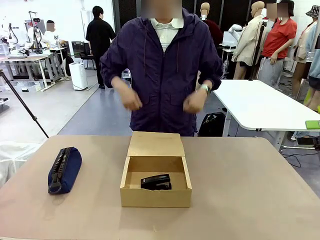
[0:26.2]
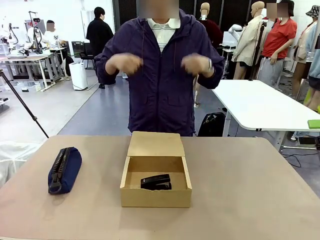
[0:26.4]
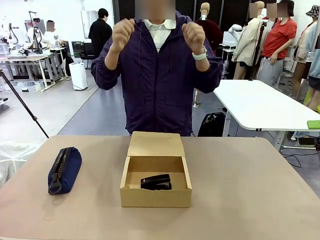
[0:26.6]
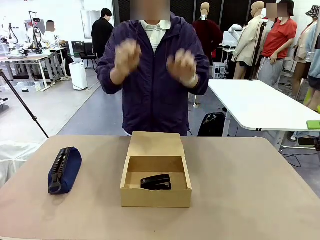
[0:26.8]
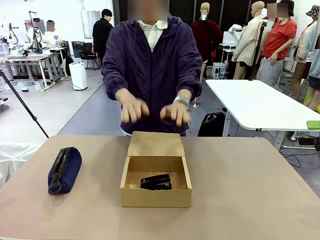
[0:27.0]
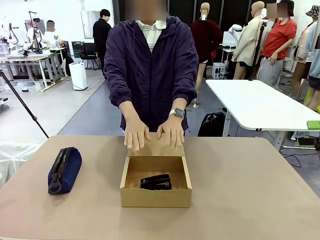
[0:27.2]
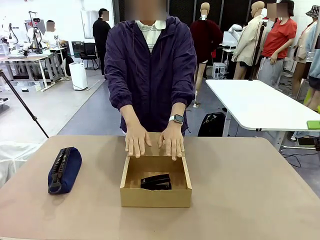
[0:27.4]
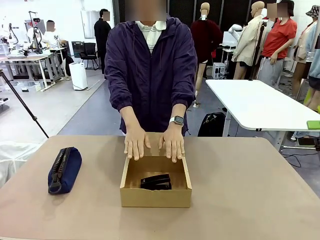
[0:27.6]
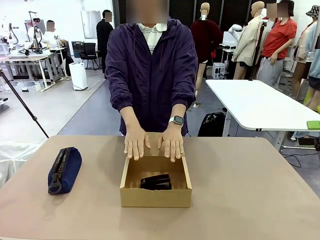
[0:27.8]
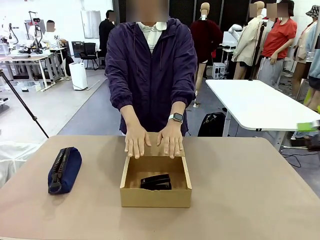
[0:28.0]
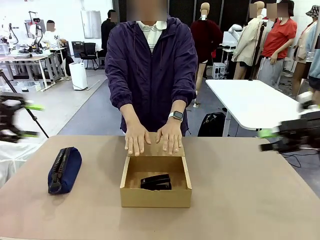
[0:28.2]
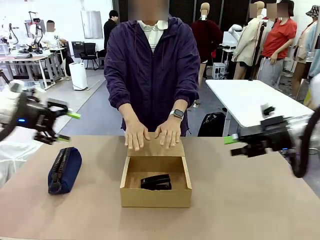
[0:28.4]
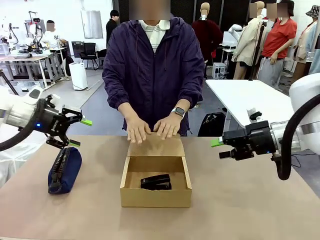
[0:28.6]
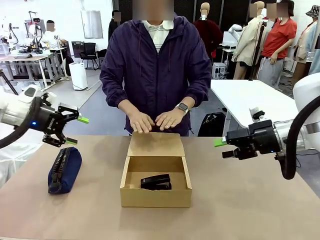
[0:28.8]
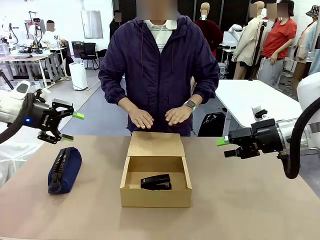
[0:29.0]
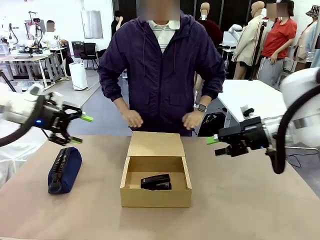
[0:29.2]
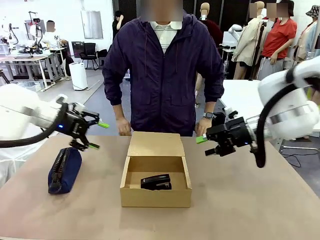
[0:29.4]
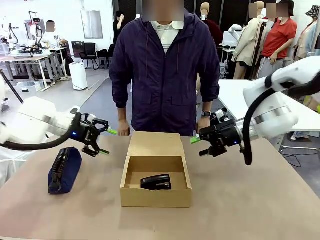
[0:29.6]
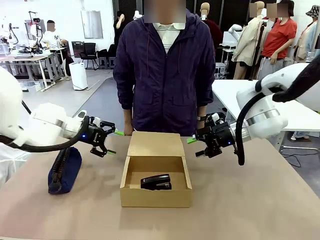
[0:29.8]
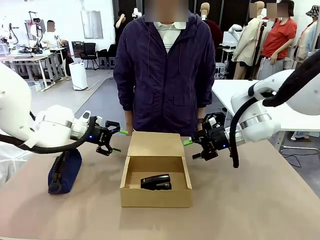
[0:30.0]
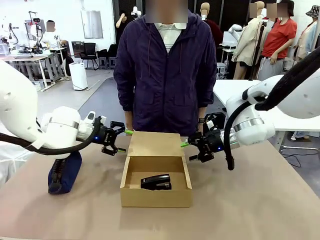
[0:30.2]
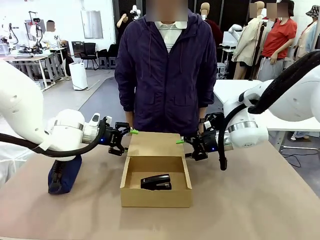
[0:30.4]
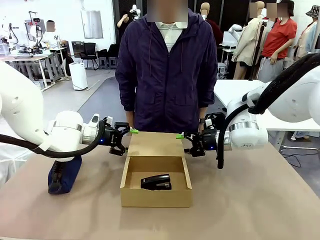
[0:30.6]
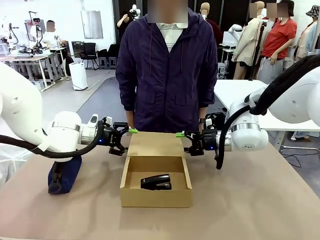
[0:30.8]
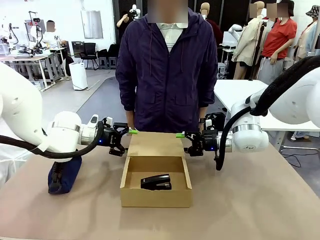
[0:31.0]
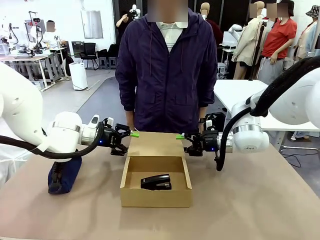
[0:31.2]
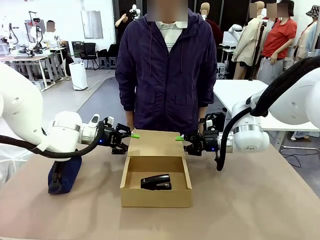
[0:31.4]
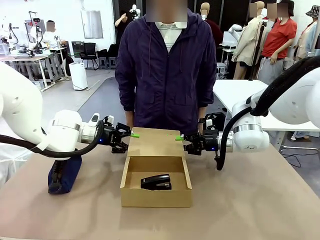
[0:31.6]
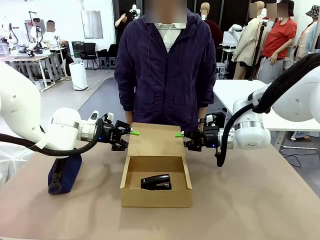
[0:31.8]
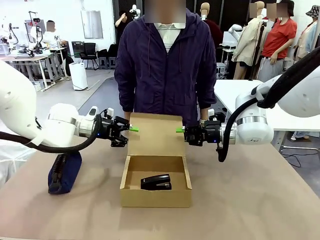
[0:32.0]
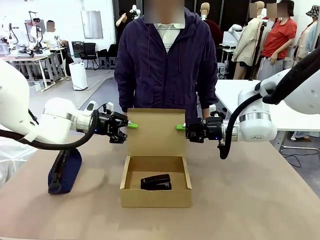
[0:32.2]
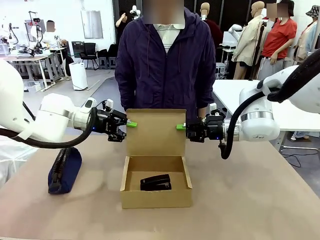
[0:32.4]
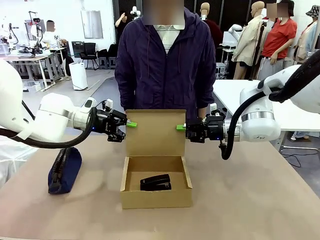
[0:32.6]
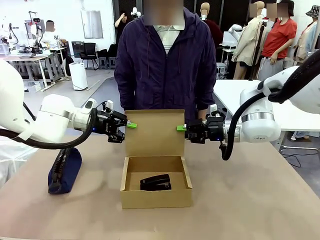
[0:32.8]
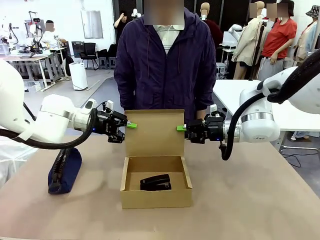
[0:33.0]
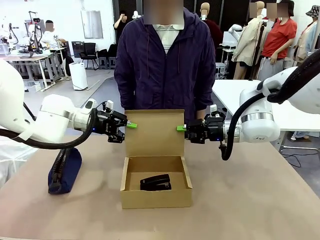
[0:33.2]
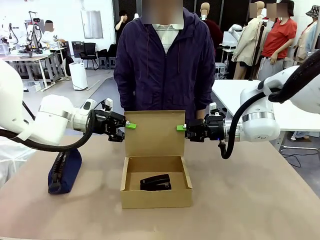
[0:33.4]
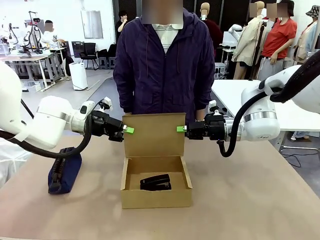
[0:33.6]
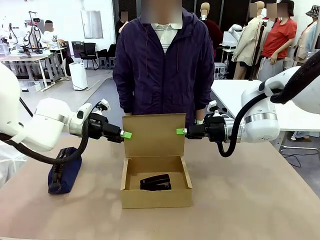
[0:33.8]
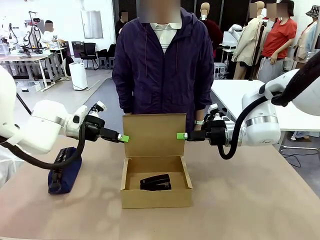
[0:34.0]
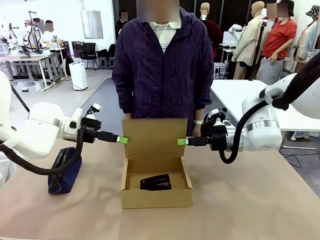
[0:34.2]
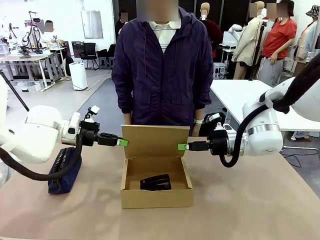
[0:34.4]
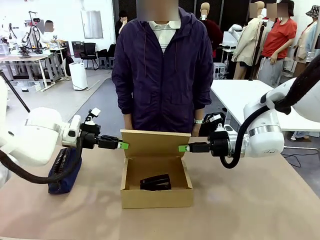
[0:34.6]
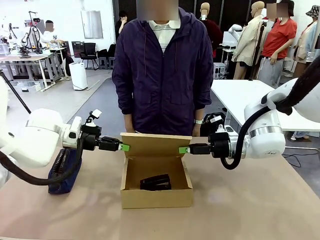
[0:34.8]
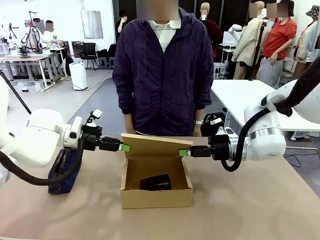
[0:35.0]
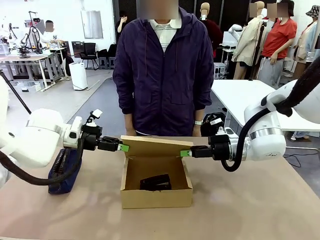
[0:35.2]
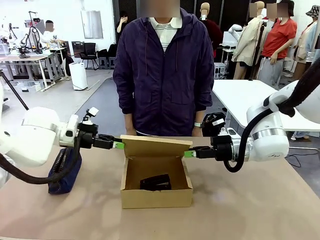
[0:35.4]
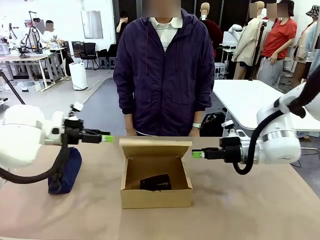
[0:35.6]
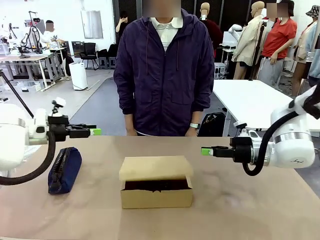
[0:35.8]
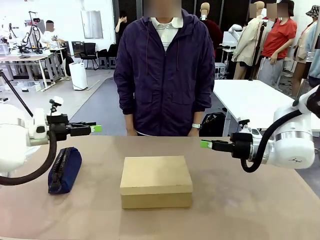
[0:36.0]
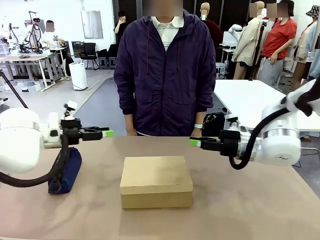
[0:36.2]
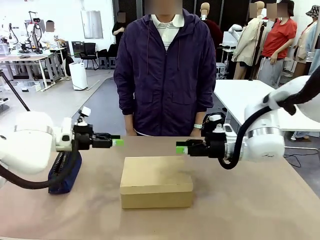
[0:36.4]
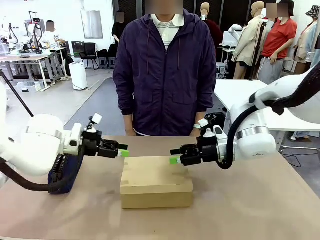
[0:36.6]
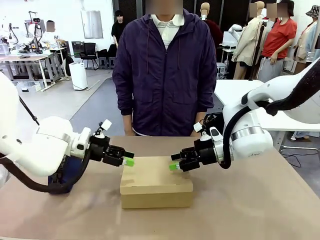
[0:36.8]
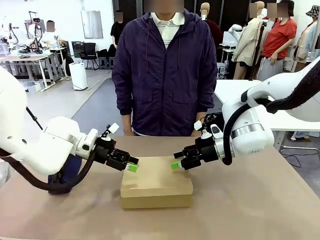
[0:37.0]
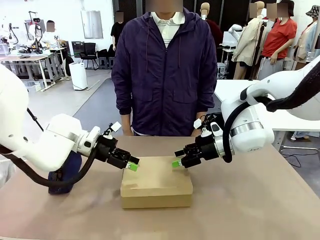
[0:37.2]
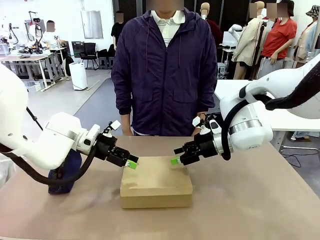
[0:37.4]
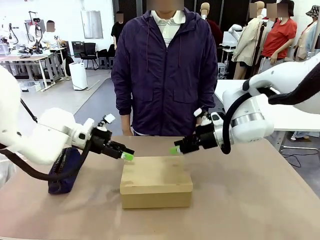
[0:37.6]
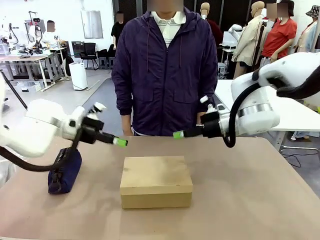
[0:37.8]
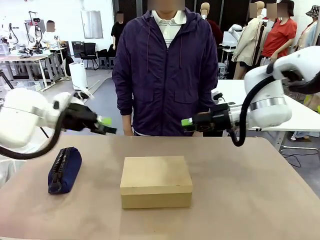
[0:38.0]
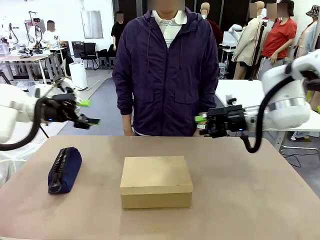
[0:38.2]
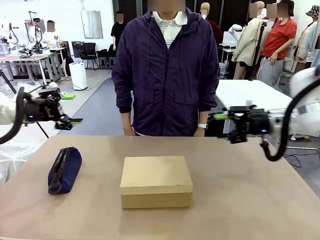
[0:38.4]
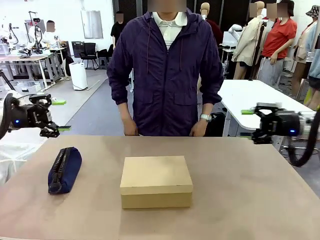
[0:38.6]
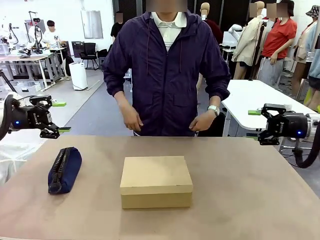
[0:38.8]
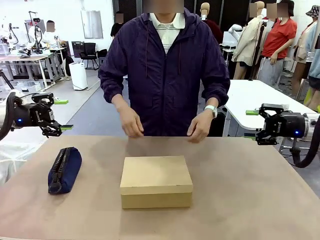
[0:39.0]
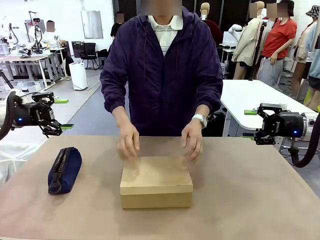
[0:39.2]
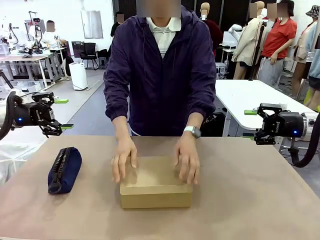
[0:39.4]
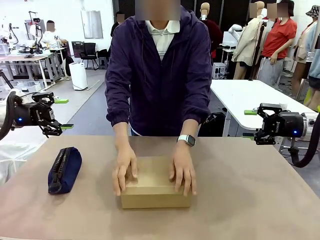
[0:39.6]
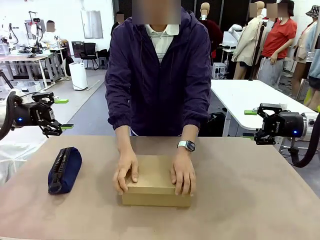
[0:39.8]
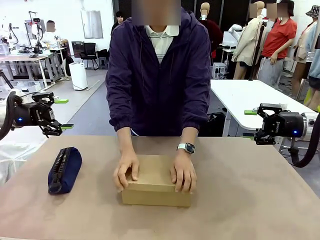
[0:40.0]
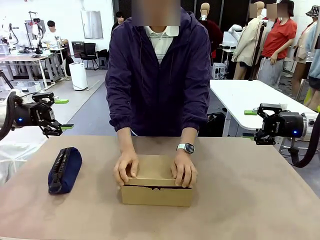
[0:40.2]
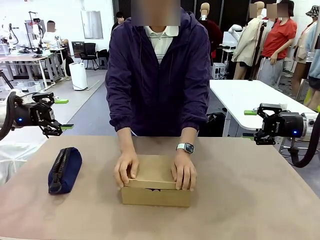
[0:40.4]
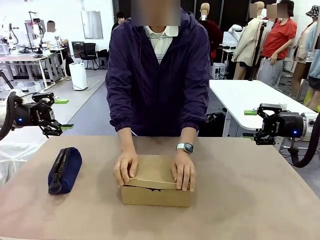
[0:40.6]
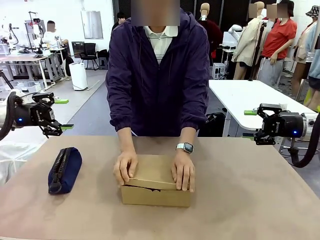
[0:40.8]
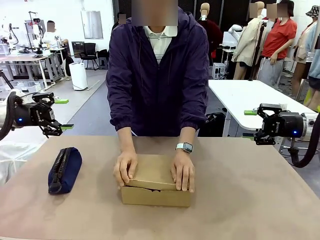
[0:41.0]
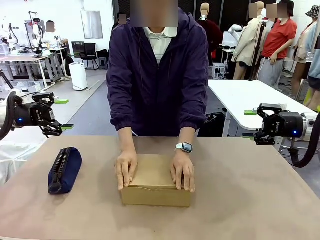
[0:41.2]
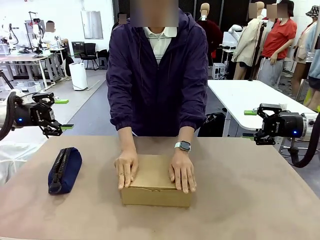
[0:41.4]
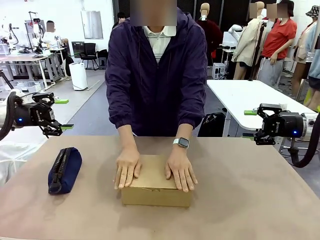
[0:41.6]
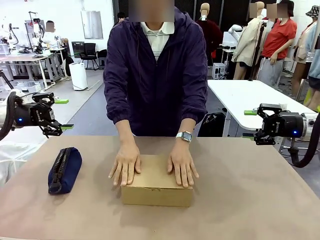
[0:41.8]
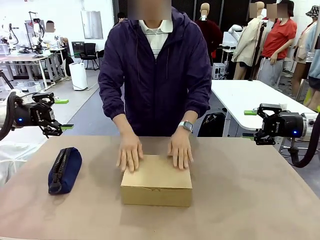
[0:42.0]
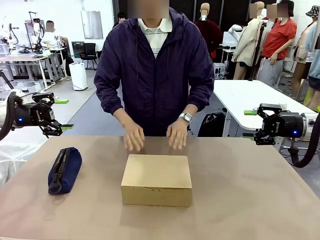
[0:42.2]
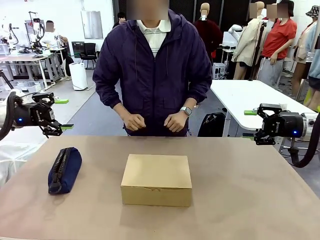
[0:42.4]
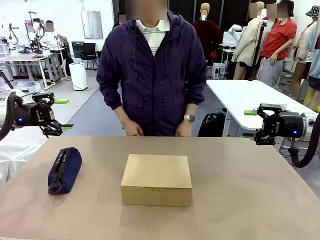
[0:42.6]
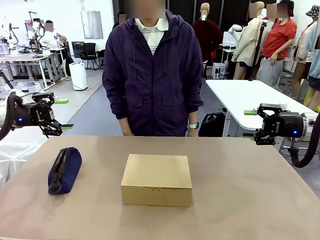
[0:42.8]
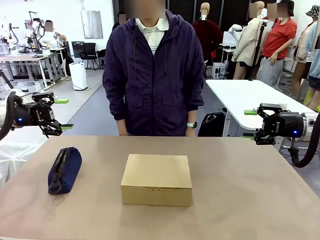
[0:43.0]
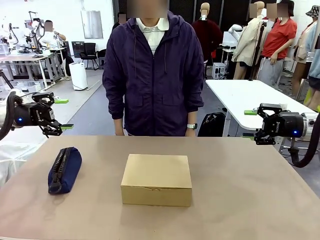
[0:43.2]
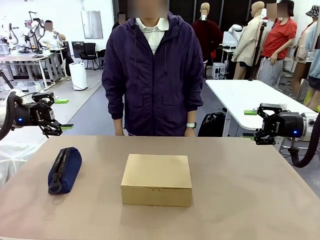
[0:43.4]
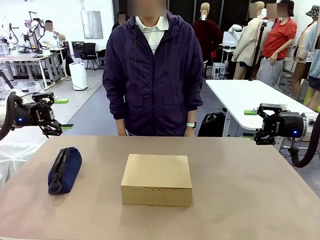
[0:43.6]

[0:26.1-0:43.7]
Task: Pack the items into the box.
Robot: Close the Mailer Box.
Person: Turn the box and lock it.

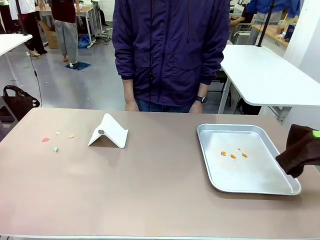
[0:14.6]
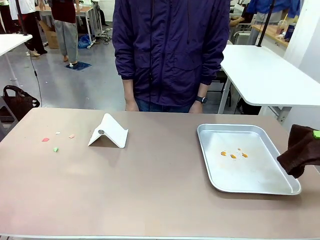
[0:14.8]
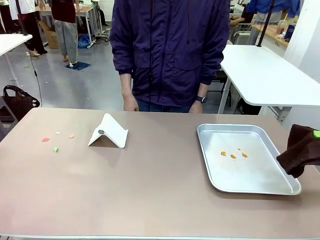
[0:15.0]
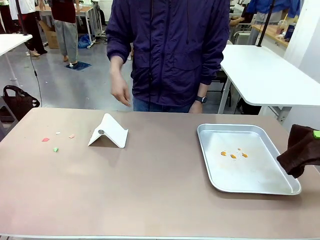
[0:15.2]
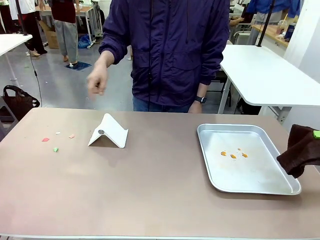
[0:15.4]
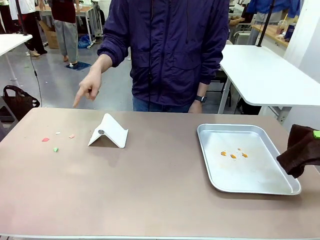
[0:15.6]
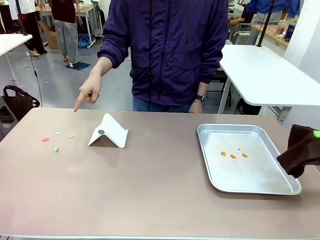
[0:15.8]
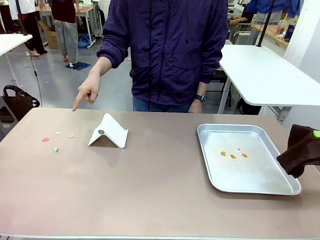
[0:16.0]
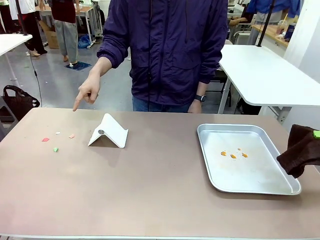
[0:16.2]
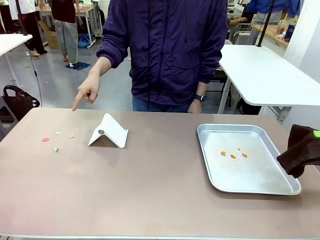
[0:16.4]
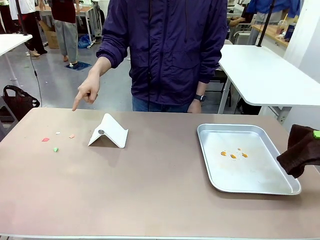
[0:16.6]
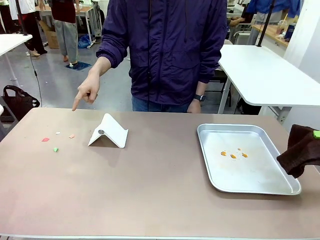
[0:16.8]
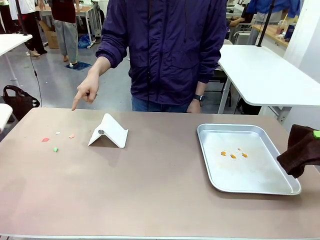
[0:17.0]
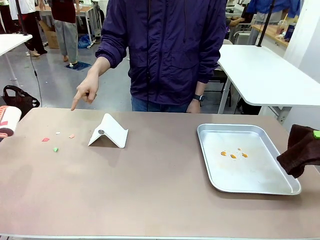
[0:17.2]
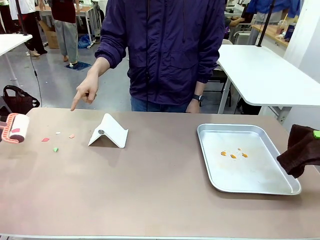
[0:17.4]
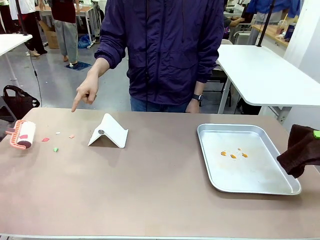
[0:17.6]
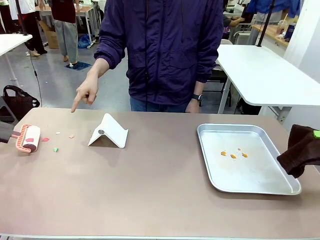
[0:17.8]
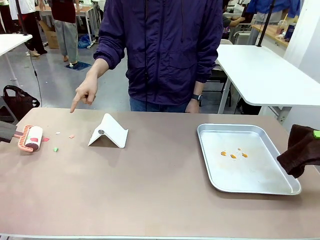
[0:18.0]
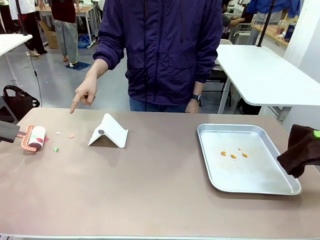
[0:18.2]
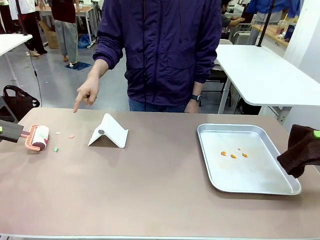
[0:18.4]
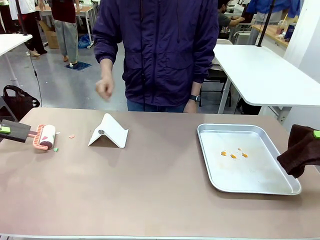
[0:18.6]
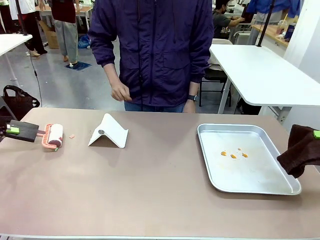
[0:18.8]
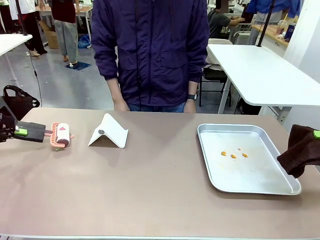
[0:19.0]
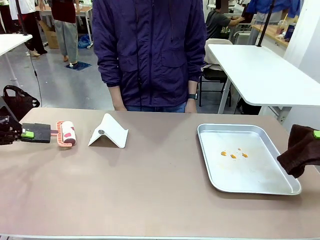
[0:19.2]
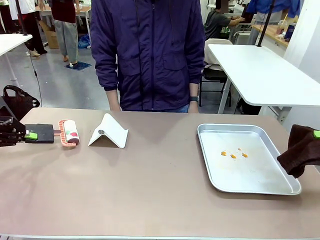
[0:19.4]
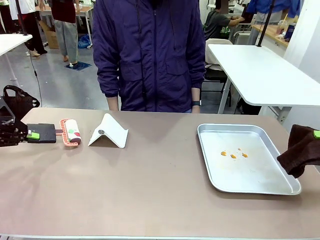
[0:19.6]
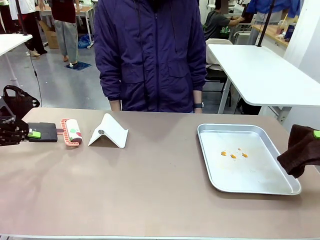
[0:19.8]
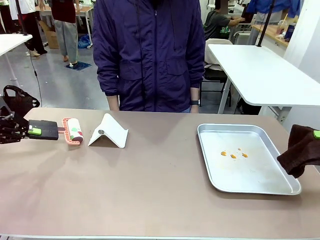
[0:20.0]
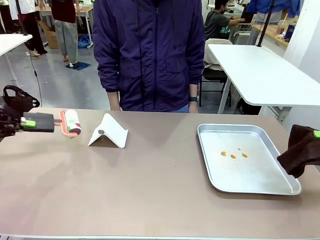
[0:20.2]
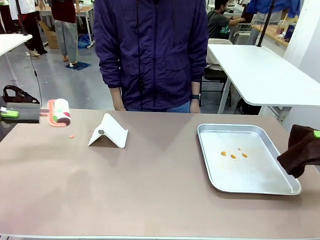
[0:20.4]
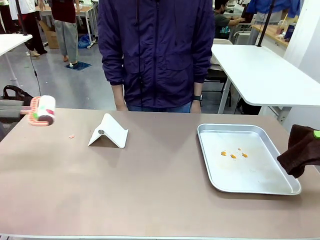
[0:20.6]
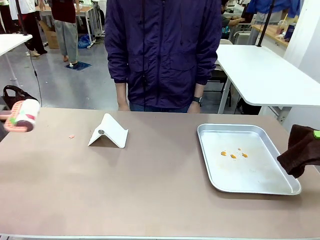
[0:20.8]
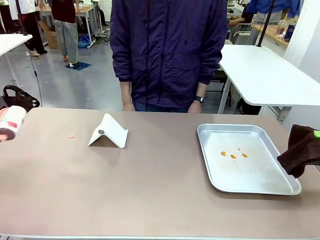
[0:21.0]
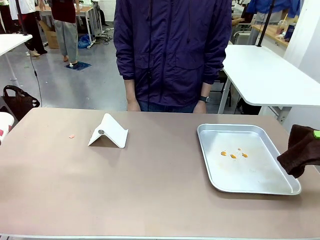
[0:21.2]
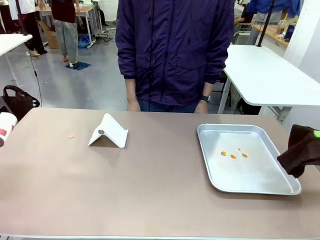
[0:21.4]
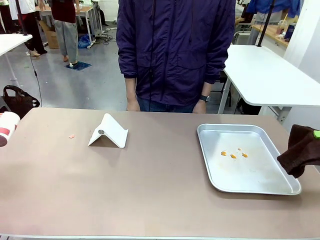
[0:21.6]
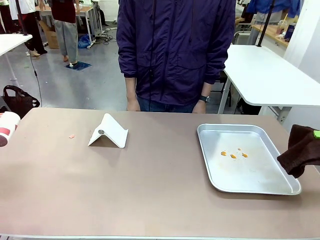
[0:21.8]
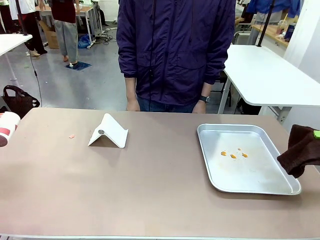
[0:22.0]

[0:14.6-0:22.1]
Task: Clean the surface of the table.
Robot: If a person points to the right, clean the right side of the table with your right hand, and if they point to the left, clean the left side with your left hand.
